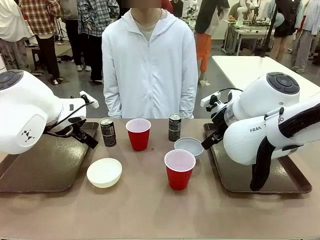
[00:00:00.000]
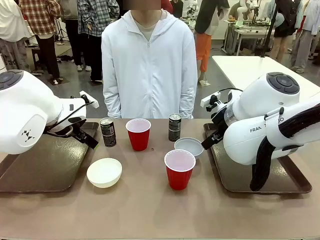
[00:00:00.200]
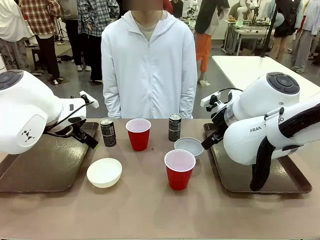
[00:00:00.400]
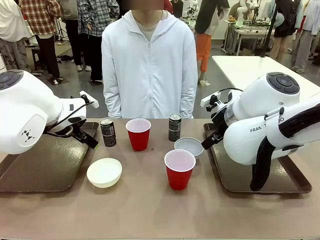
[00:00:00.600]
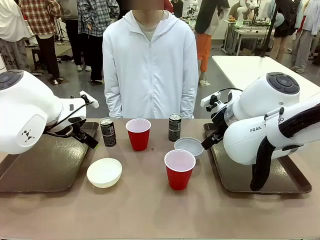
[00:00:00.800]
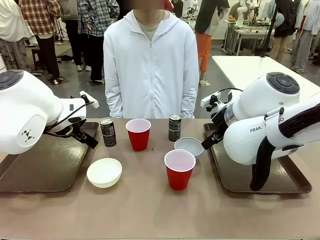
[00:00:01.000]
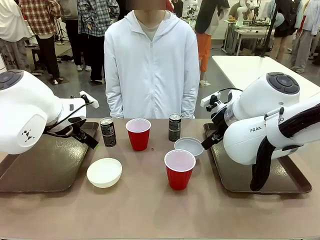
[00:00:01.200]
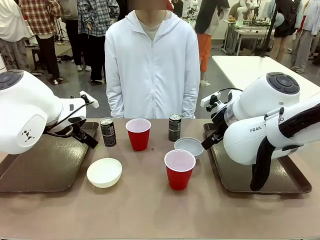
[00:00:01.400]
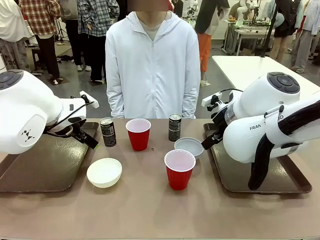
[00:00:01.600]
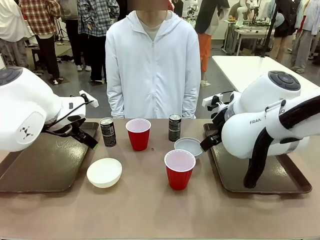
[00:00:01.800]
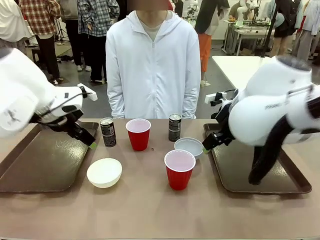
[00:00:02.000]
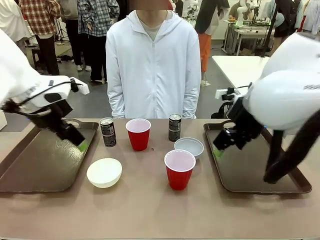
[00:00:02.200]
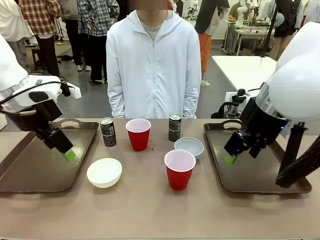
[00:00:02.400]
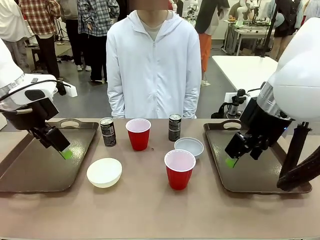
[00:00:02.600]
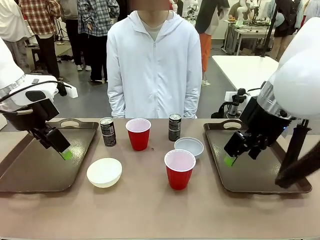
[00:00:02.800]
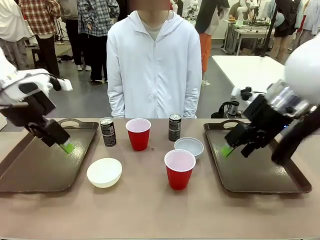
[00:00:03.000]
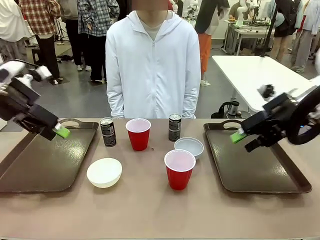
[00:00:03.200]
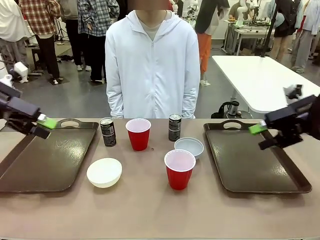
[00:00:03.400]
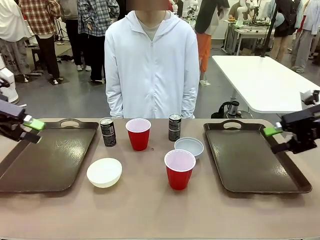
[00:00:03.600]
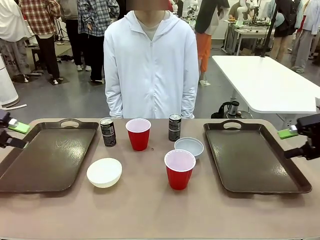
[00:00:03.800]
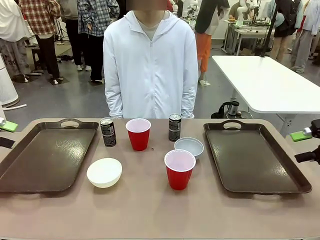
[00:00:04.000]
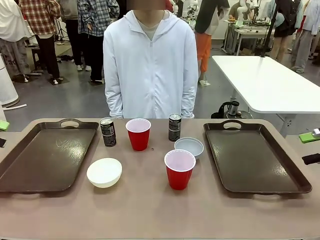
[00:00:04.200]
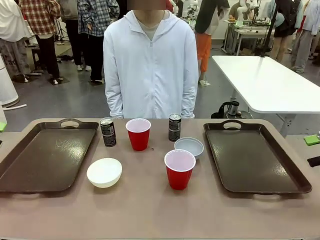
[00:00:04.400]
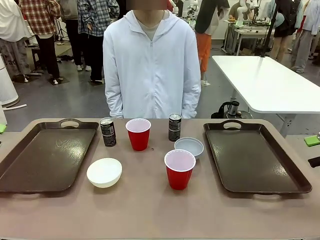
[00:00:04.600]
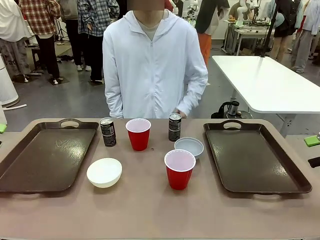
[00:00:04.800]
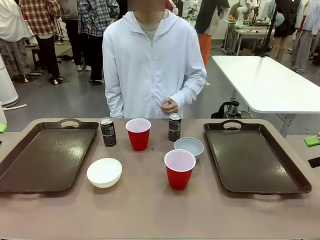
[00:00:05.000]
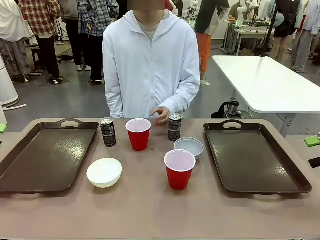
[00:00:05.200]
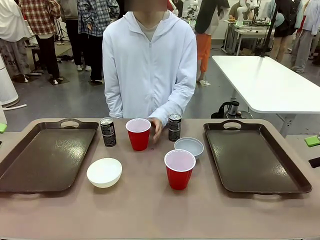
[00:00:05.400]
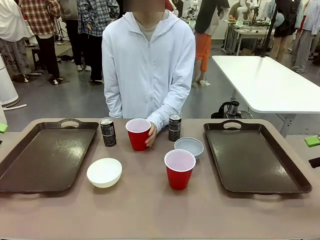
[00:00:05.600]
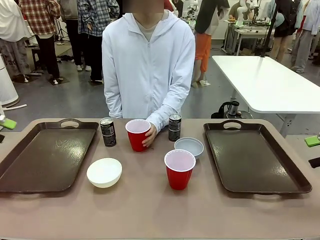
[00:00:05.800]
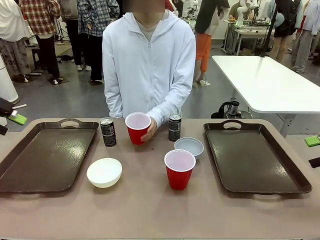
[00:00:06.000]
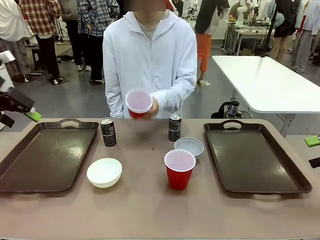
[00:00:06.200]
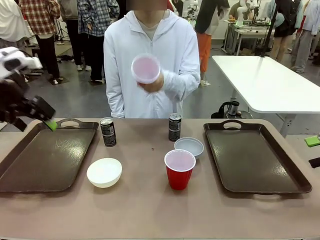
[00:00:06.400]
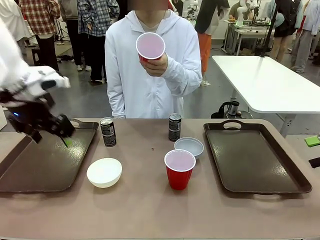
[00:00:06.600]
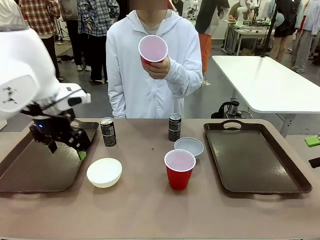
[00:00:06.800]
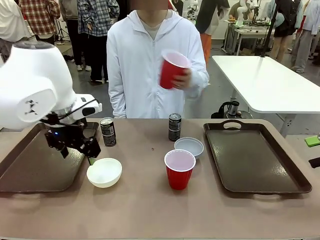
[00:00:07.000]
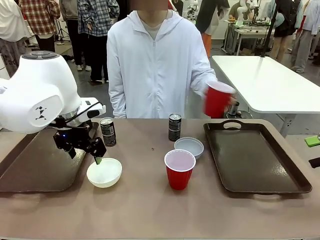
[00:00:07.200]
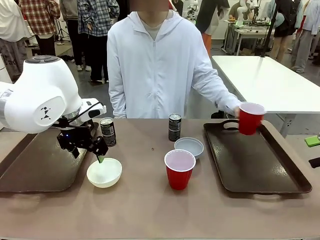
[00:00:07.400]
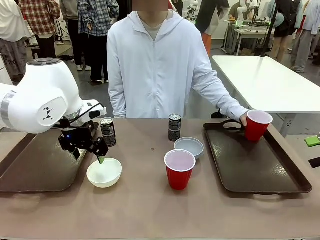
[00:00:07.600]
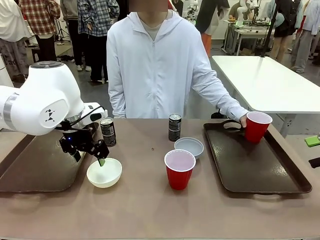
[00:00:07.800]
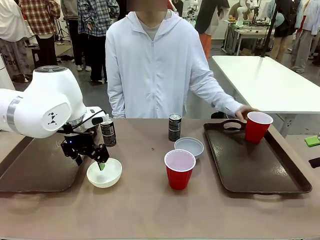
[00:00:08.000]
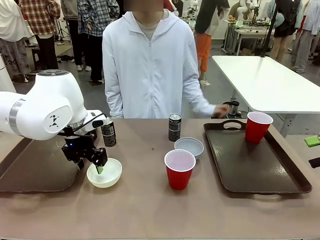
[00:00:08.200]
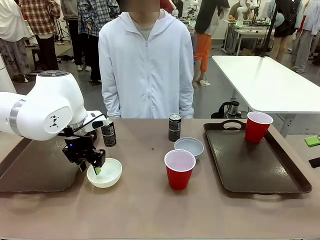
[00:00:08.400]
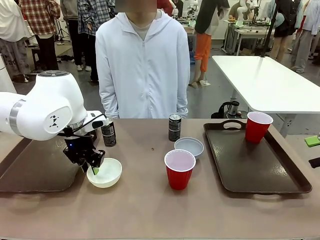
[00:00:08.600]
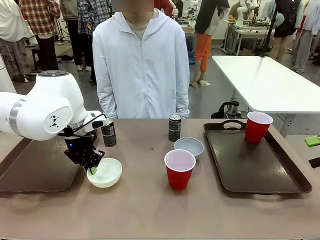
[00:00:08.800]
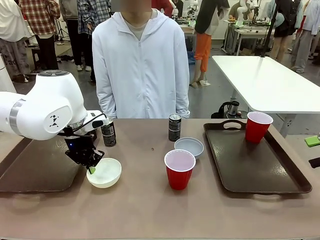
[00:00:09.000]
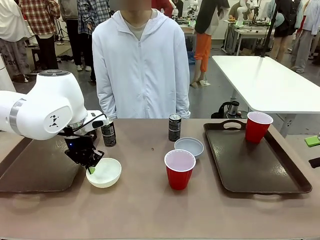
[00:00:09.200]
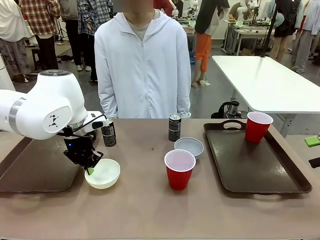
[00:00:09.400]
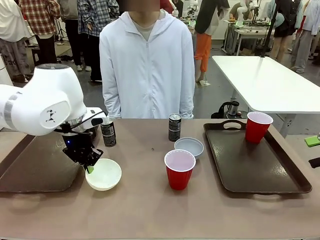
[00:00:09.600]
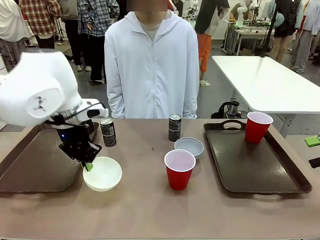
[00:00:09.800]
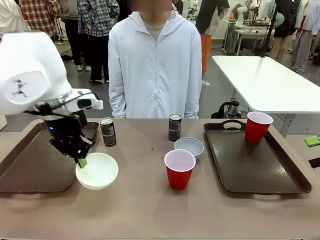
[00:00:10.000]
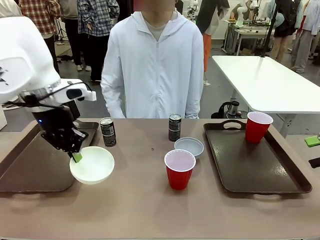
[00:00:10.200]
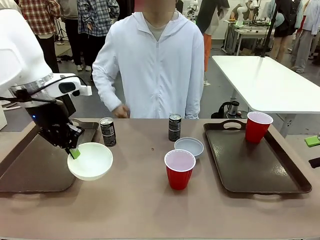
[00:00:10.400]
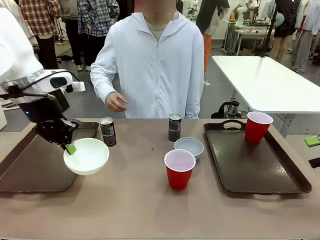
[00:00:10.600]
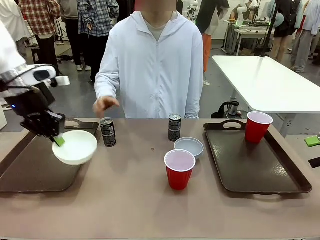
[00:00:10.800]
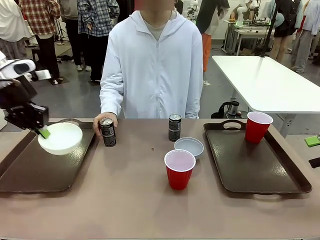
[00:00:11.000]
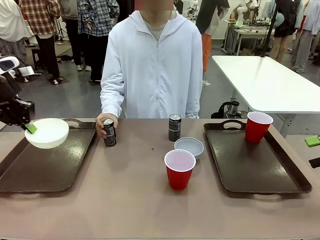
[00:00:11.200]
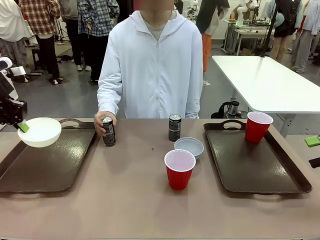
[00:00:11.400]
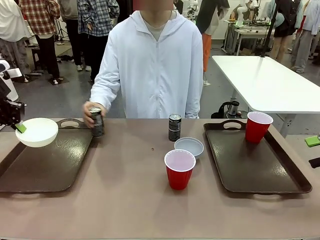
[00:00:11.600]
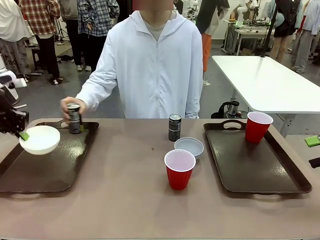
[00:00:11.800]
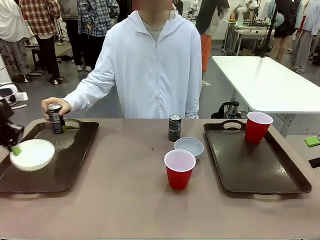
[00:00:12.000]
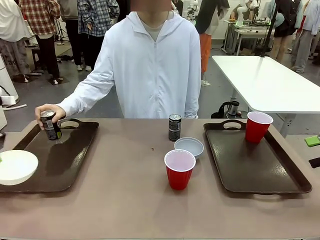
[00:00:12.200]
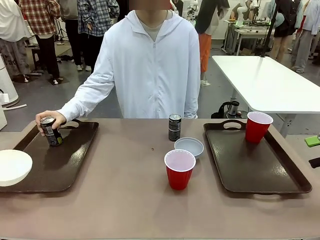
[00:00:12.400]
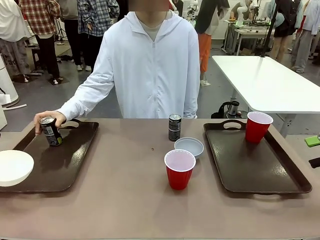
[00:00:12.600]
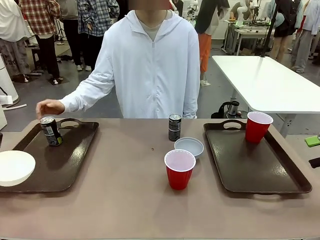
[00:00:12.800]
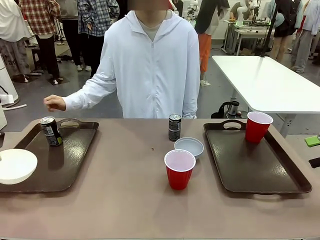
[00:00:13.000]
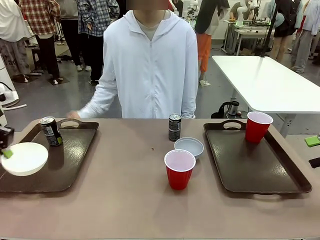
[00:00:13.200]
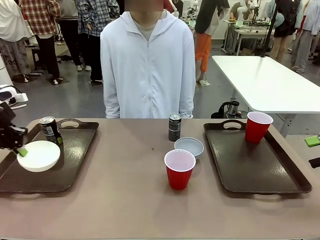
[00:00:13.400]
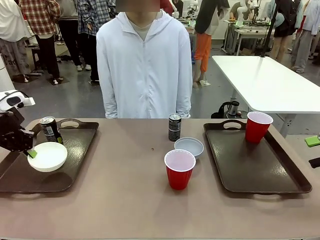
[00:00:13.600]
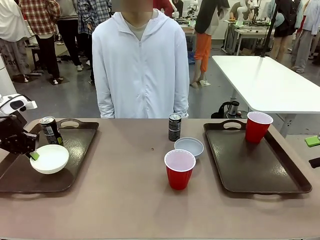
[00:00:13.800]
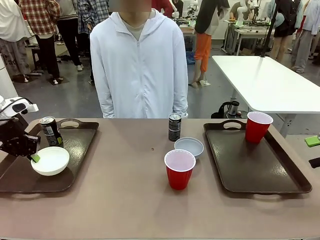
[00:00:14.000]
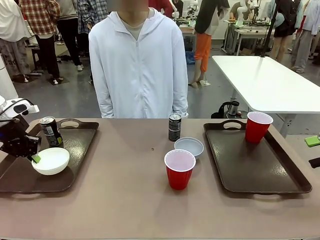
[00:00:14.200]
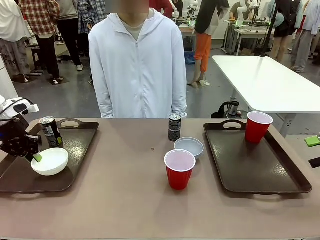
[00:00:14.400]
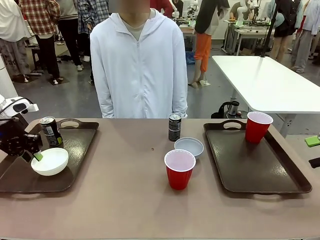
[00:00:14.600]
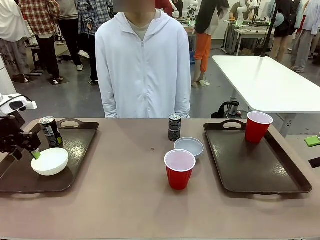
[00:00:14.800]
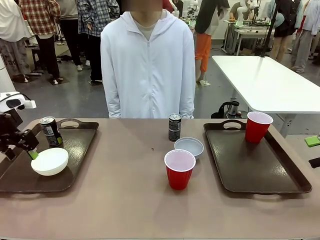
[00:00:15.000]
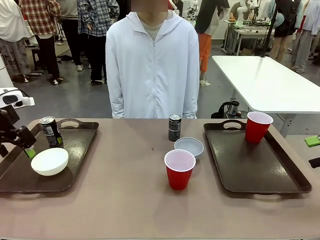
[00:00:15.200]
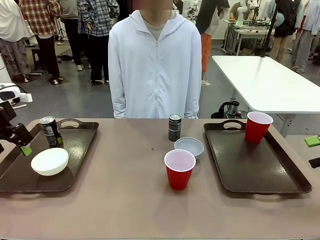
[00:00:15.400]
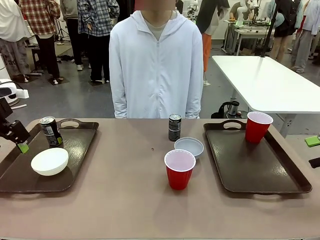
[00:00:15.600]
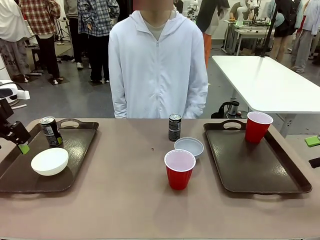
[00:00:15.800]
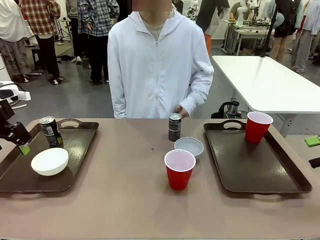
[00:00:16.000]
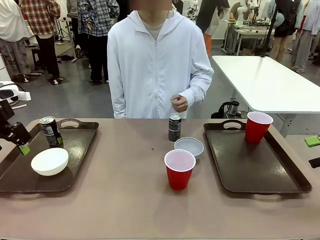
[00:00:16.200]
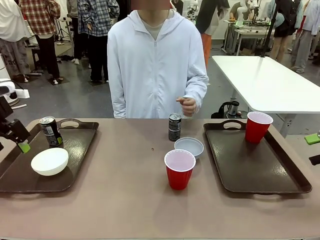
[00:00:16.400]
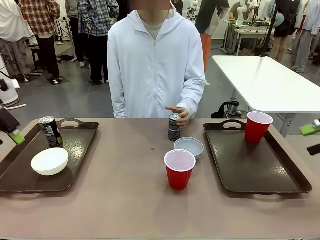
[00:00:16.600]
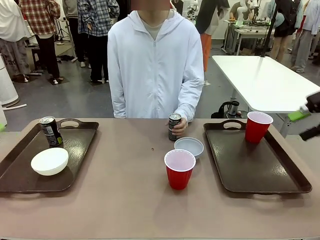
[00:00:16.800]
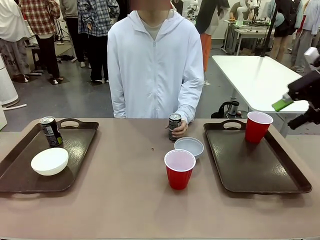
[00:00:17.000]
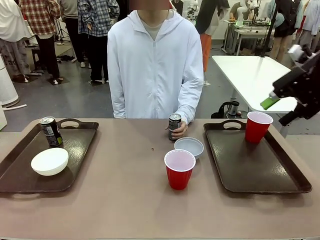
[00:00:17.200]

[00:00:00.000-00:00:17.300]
Task: Prepare tableware on both trays.
Robot: Pick up a Picnic Bowl from the table and place it on a Handle tray.
Person: Pick up a can or cup and place it on the tray.
